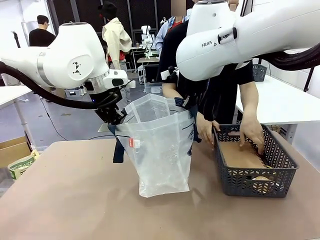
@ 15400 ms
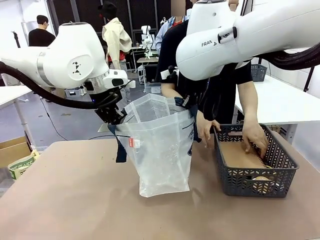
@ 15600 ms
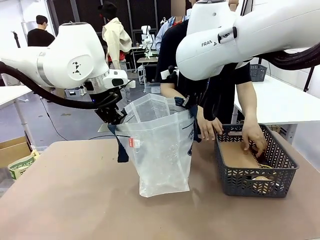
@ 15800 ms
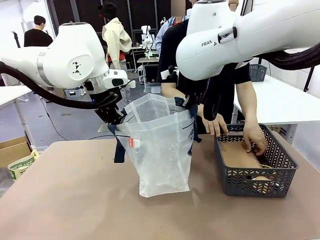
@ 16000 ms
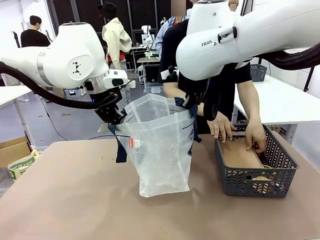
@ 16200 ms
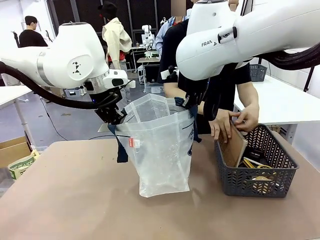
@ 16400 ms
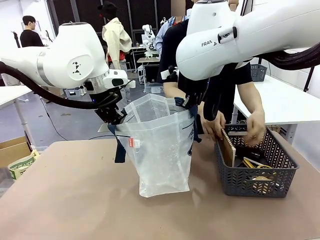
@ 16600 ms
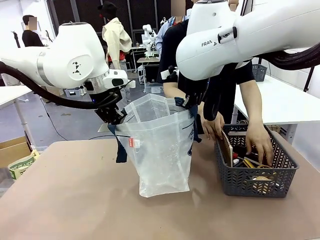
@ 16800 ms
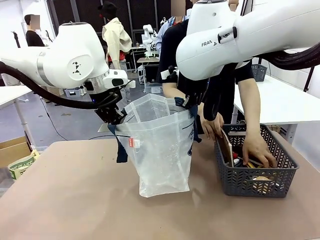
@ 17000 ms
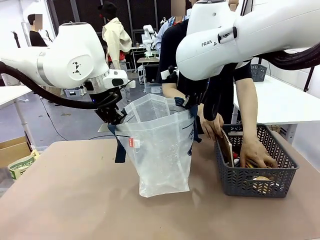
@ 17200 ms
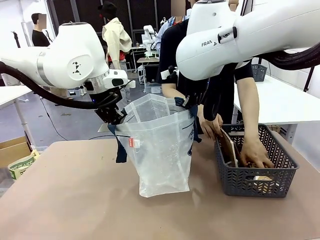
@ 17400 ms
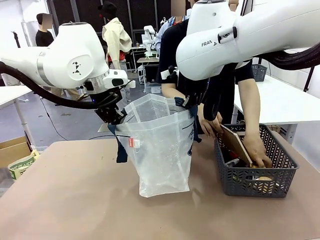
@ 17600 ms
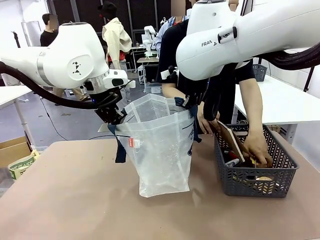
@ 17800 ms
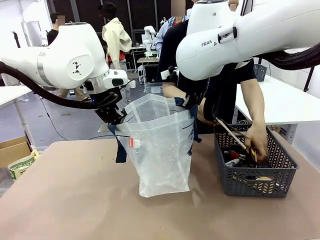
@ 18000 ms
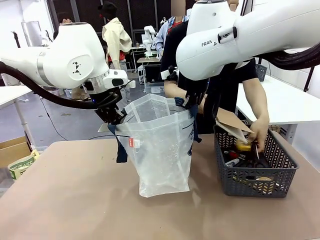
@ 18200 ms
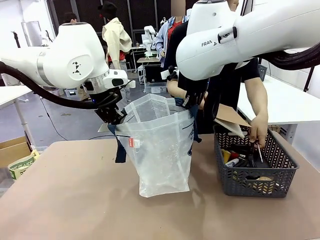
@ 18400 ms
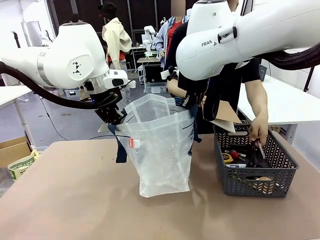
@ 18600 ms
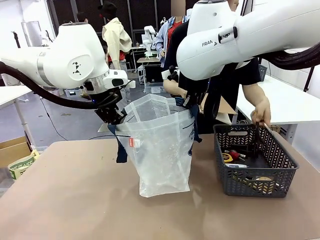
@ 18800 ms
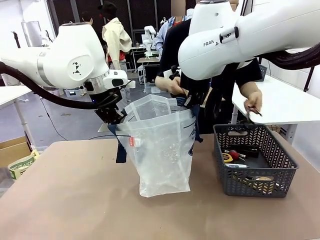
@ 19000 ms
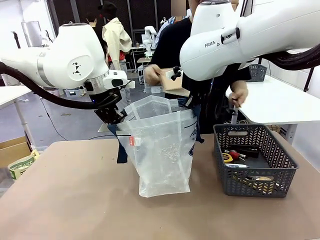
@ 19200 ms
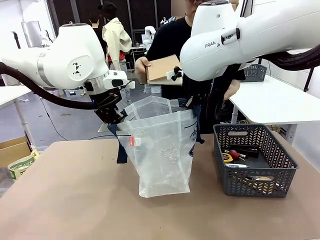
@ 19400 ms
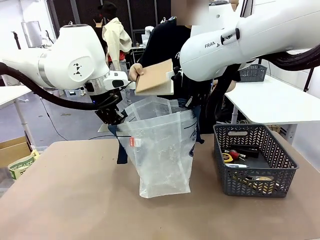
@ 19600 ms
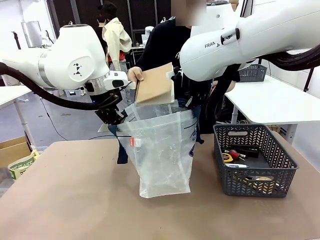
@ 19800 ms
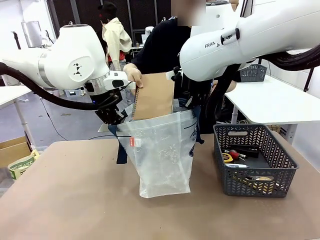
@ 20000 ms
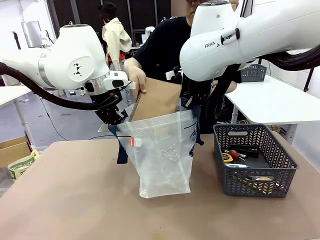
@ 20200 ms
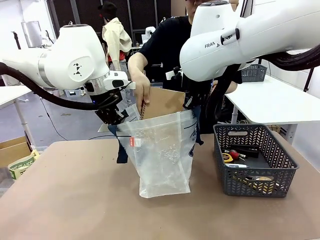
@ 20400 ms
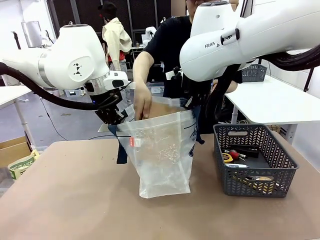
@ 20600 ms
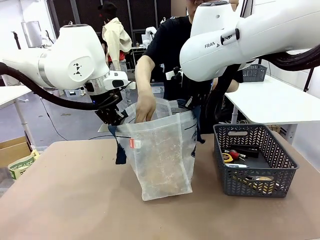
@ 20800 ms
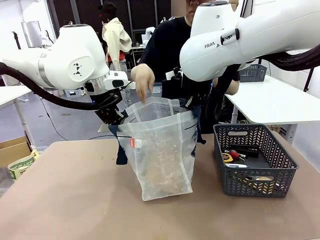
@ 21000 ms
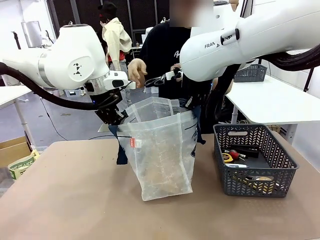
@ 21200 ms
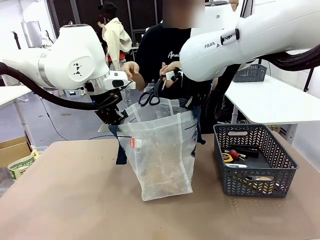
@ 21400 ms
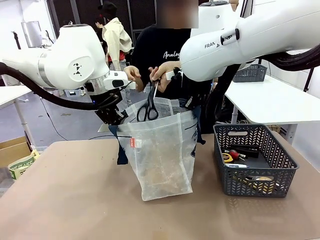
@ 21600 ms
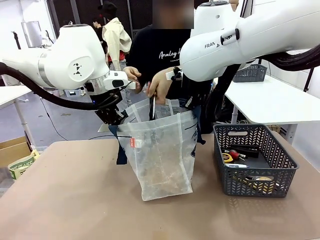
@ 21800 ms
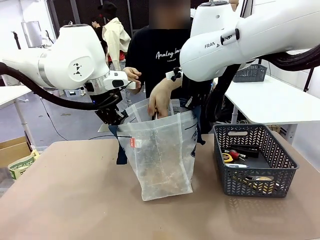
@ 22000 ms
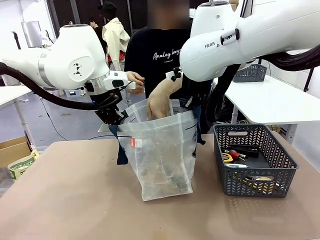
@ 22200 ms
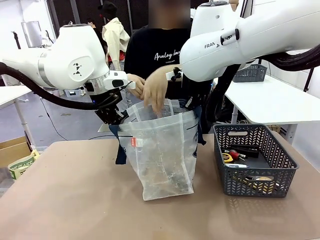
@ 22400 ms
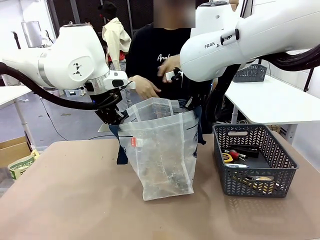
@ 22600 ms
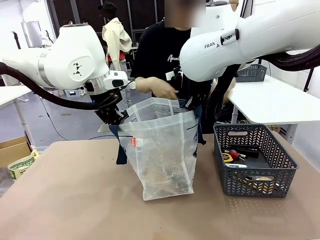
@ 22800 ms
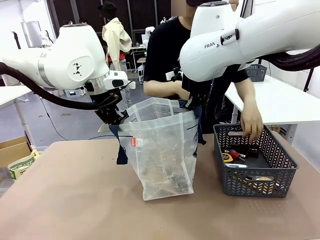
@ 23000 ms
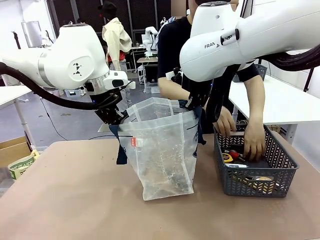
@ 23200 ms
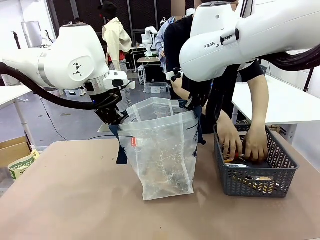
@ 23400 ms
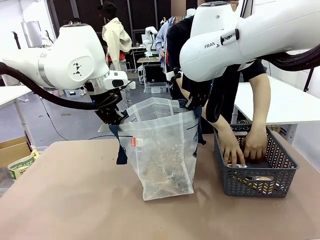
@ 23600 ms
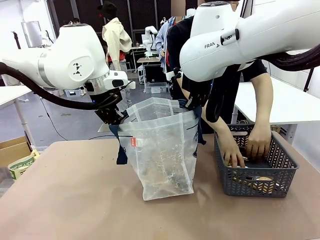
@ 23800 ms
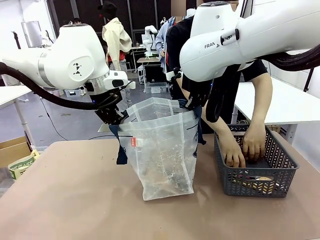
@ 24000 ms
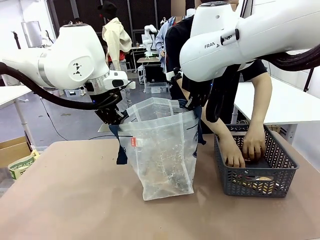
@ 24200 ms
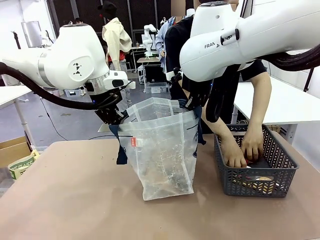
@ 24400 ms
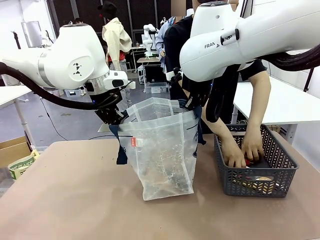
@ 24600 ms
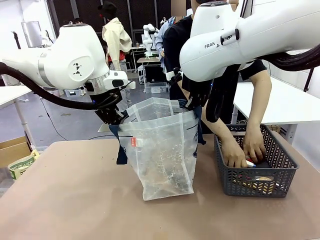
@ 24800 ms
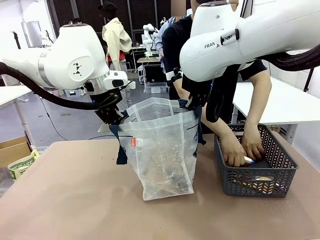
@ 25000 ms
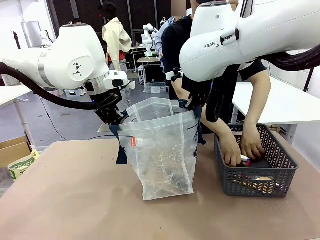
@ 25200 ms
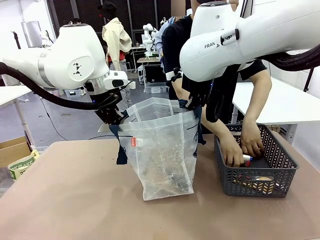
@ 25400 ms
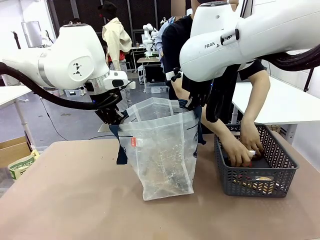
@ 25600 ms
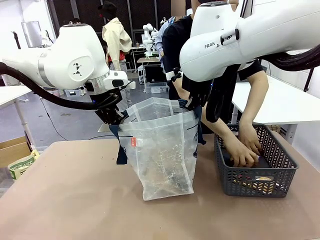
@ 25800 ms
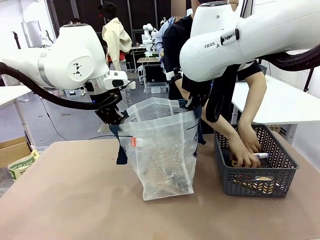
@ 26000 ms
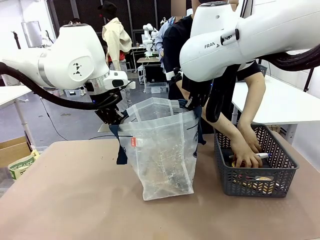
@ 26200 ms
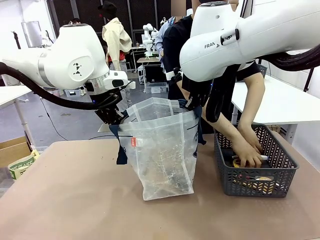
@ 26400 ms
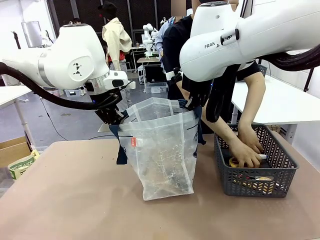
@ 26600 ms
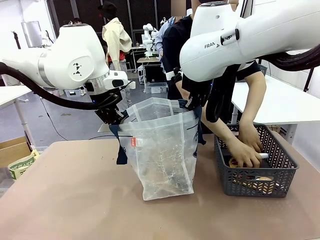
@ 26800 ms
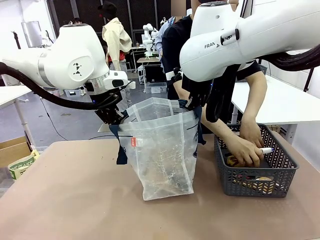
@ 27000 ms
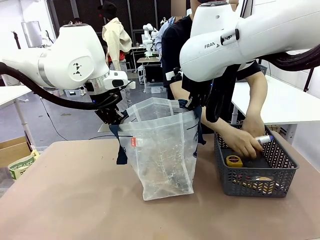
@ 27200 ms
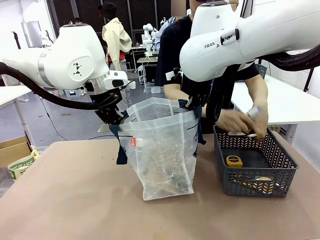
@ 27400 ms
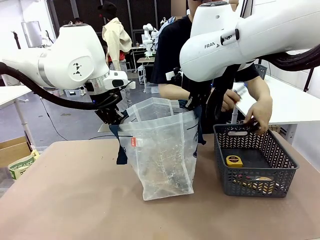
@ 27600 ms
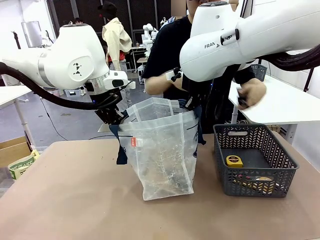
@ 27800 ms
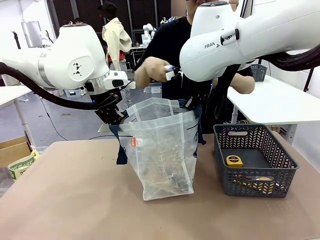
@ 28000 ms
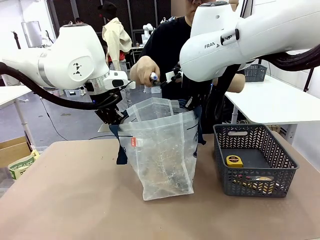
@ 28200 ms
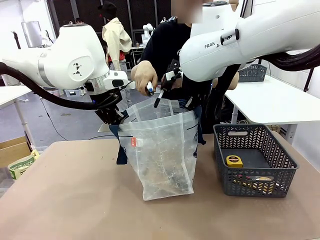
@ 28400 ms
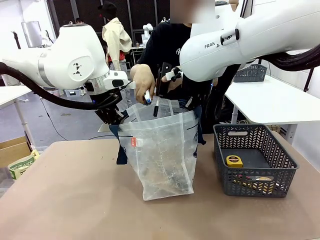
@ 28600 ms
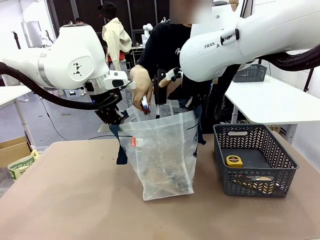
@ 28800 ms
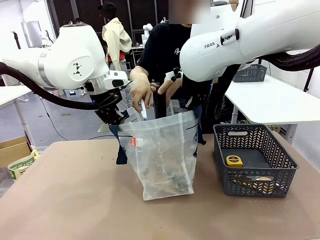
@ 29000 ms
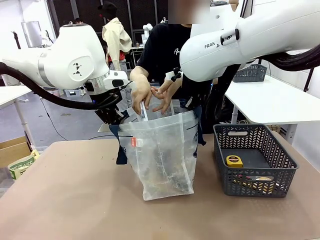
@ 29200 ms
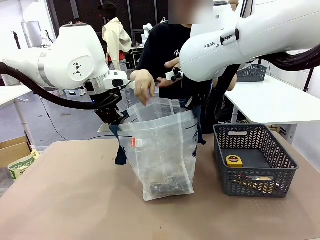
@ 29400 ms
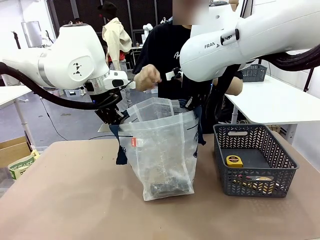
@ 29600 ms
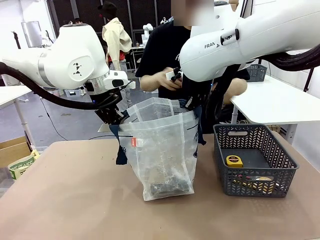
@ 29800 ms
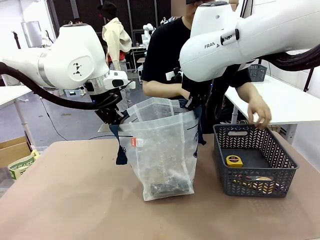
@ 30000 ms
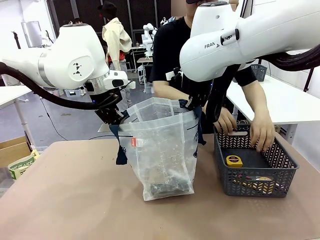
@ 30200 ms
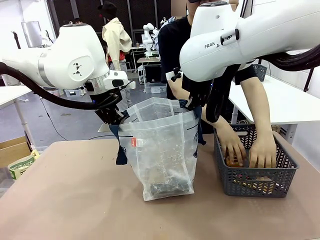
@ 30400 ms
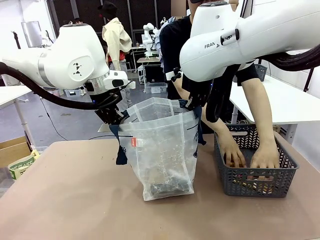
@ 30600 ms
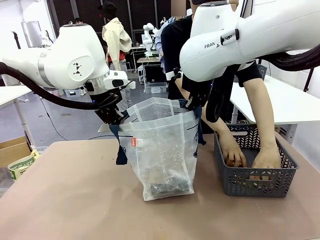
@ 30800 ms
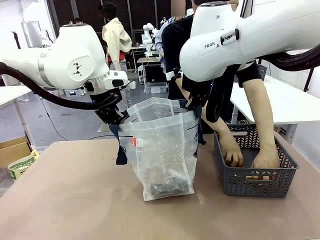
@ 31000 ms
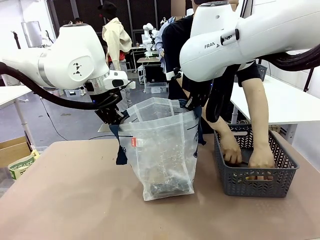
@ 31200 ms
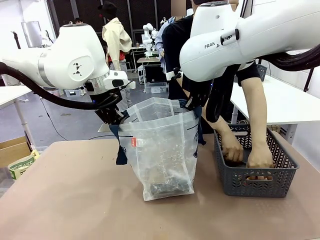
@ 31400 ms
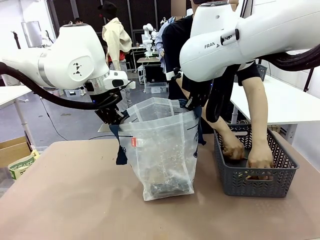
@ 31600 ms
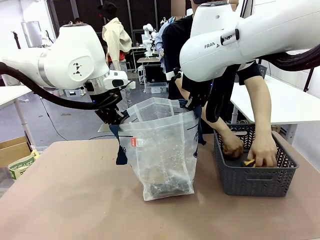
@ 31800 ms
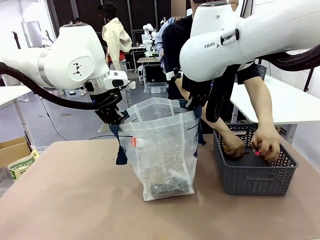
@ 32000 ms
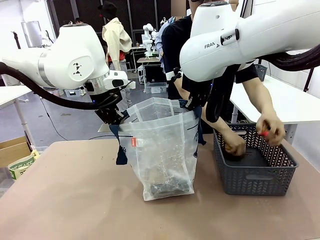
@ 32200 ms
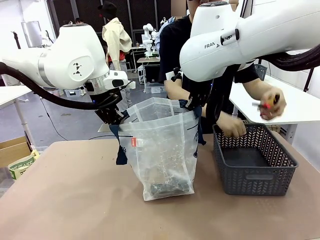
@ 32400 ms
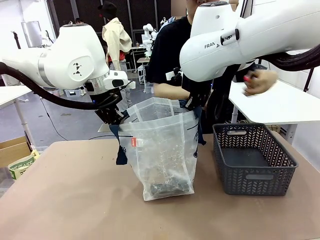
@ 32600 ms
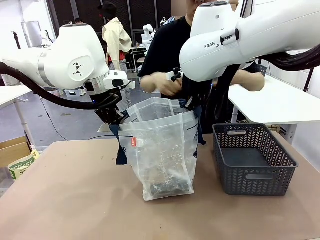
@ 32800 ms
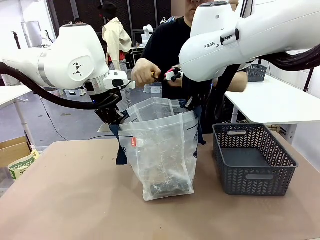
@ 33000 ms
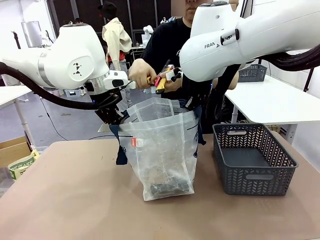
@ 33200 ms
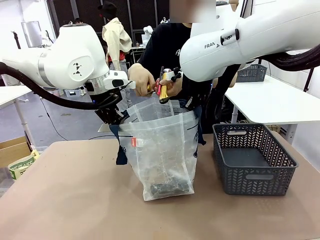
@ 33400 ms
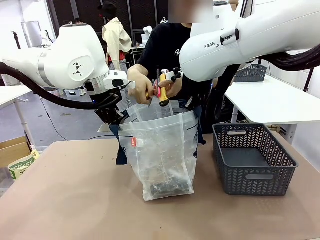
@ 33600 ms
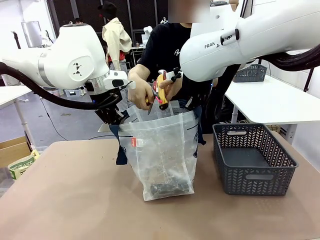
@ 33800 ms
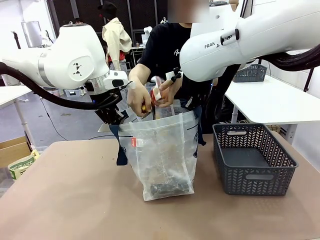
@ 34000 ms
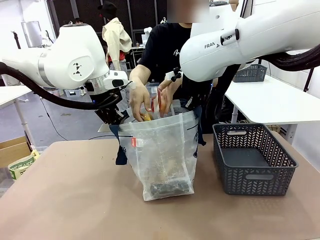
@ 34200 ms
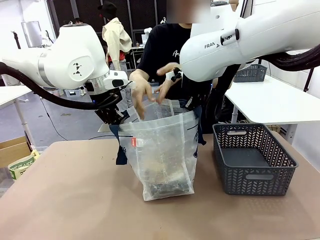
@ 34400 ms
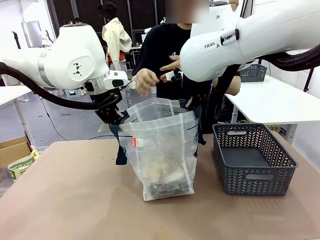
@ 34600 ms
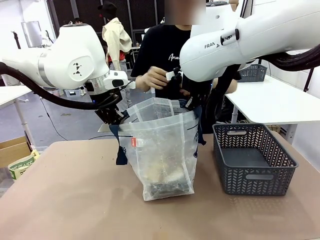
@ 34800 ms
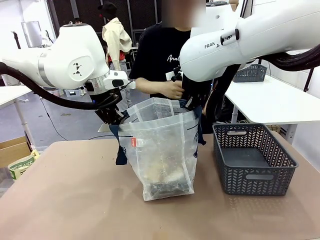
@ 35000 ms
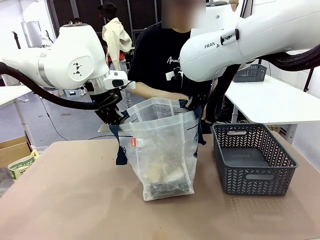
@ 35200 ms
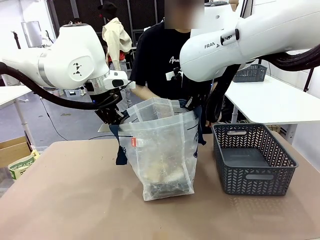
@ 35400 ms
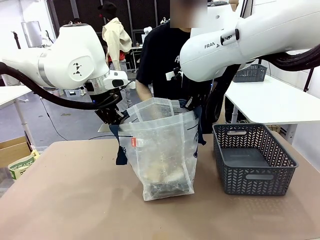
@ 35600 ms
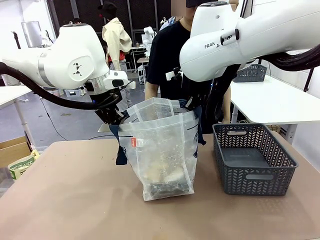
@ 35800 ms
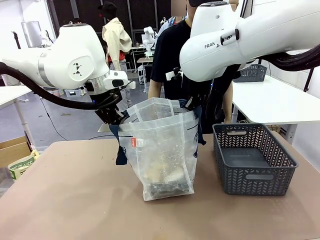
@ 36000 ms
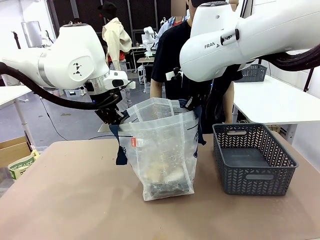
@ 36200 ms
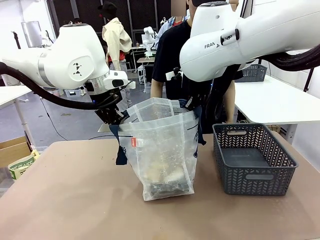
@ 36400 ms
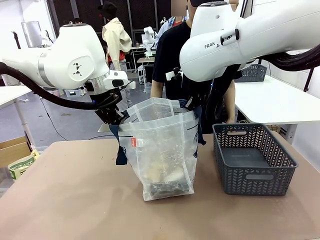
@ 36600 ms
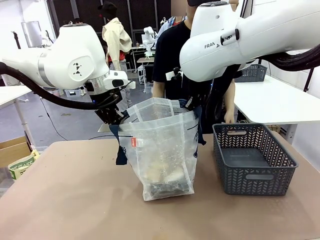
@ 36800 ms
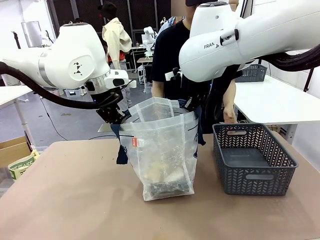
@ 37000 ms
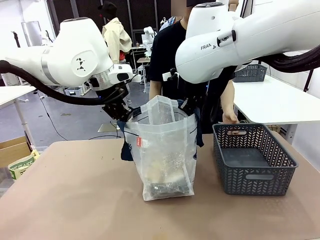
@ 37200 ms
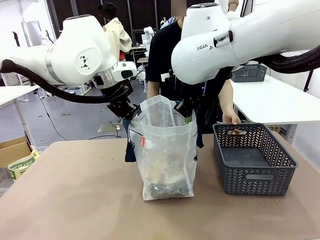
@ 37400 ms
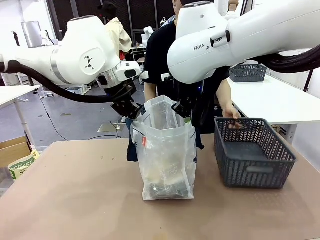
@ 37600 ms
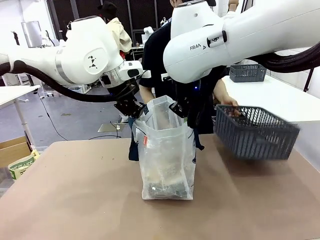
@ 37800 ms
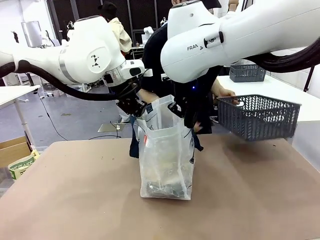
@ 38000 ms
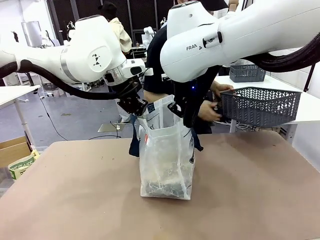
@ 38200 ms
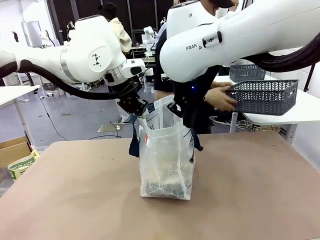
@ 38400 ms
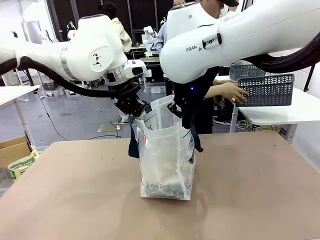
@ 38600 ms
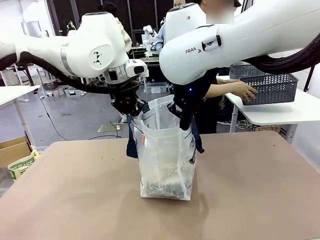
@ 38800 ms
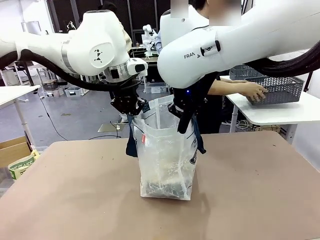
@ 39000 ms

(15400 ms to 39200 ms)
Task: Transfer purchased items from the store into the shopping bag.
Robot: Move the Reusable shopping bag to the right side of the table.
Person: Pick up the basket on the right, place it on the left side of the robot table, and move the items in the basket to the shopping bag. Pick up the basket with the items out and place it on the right side of the human table.
